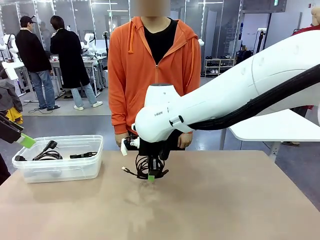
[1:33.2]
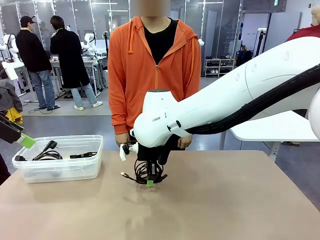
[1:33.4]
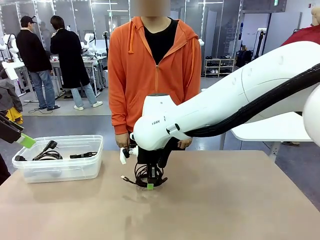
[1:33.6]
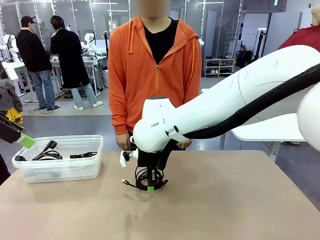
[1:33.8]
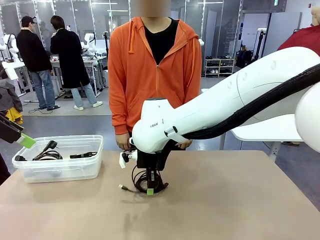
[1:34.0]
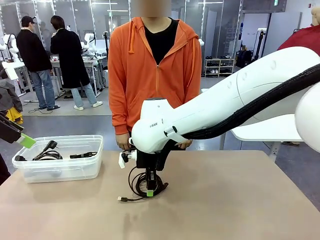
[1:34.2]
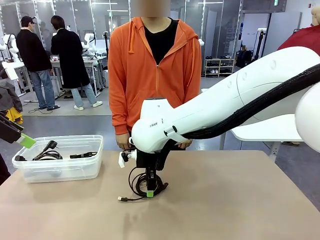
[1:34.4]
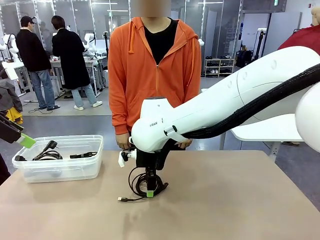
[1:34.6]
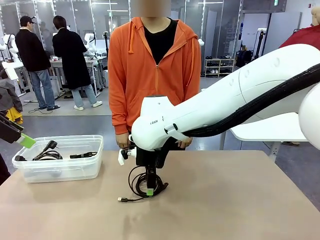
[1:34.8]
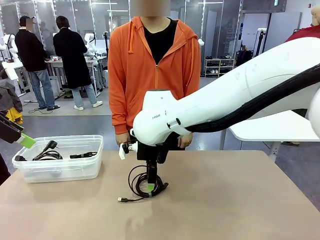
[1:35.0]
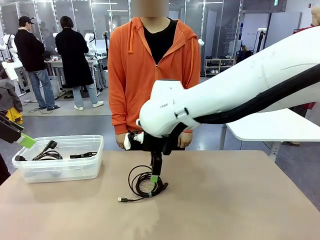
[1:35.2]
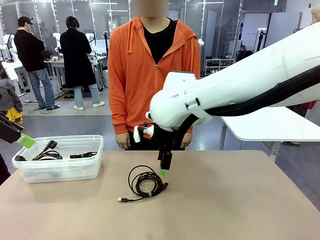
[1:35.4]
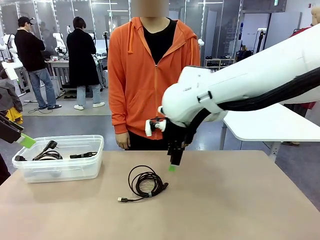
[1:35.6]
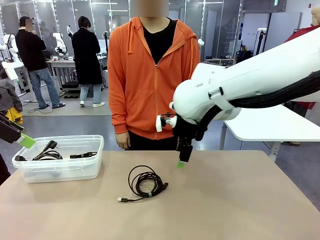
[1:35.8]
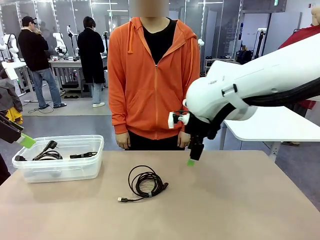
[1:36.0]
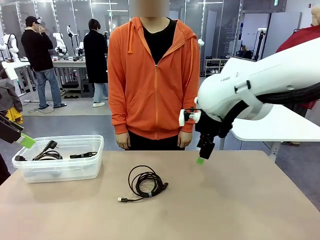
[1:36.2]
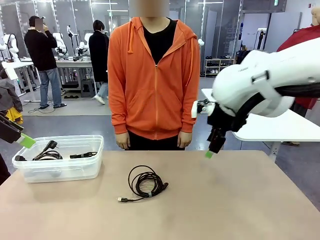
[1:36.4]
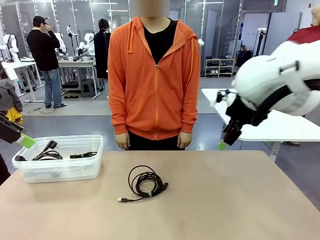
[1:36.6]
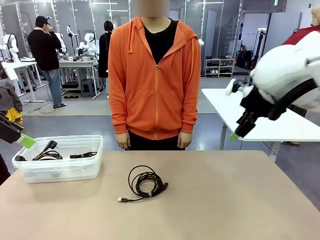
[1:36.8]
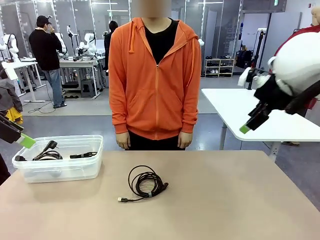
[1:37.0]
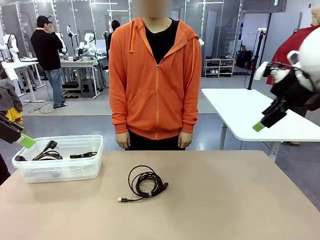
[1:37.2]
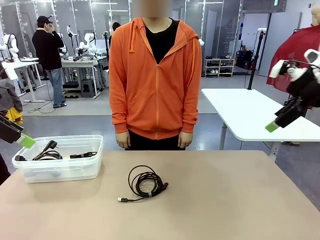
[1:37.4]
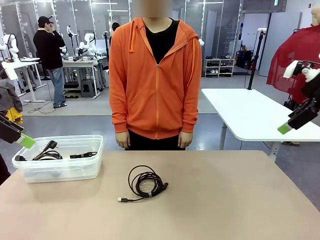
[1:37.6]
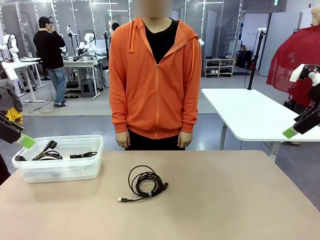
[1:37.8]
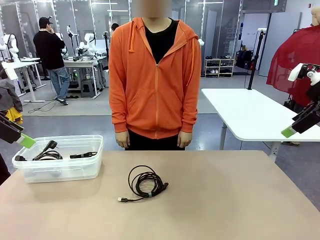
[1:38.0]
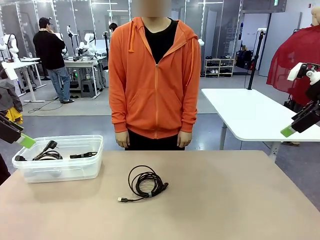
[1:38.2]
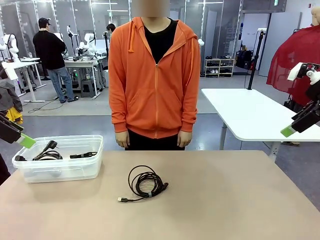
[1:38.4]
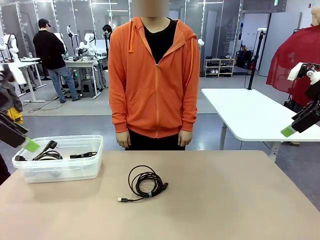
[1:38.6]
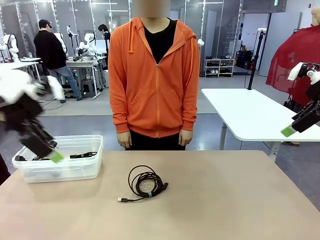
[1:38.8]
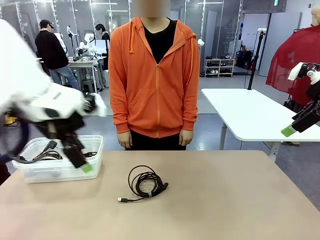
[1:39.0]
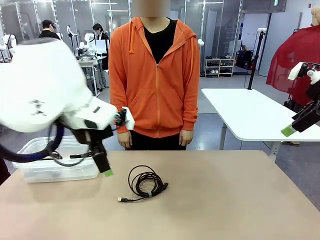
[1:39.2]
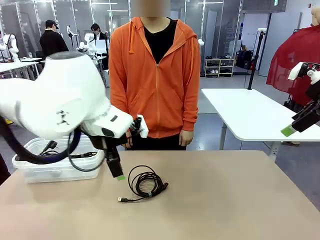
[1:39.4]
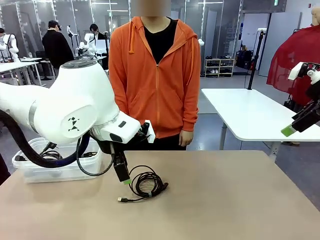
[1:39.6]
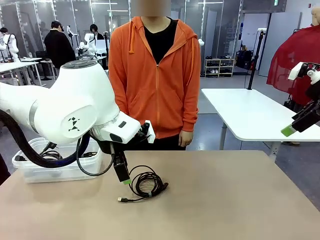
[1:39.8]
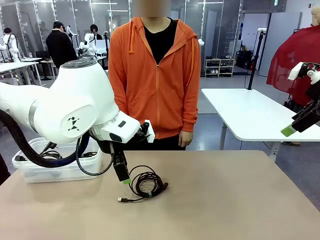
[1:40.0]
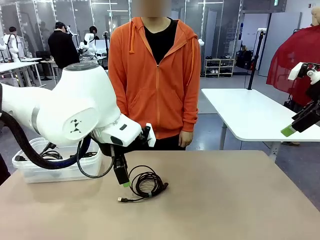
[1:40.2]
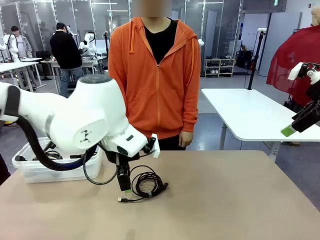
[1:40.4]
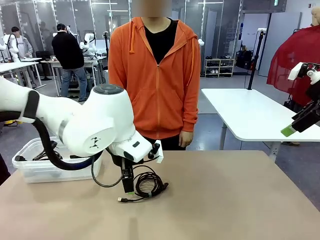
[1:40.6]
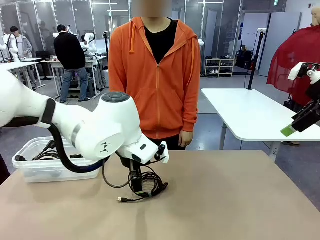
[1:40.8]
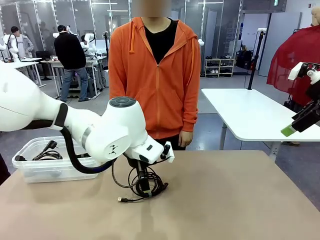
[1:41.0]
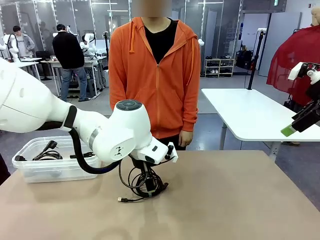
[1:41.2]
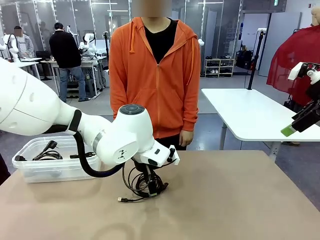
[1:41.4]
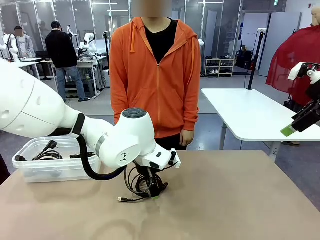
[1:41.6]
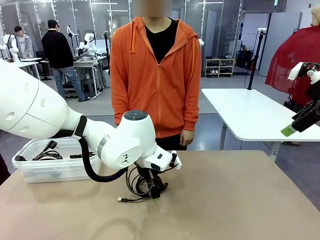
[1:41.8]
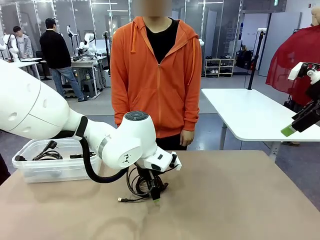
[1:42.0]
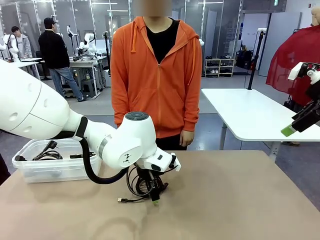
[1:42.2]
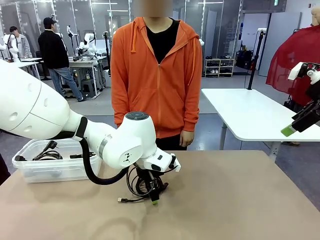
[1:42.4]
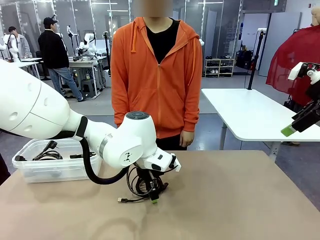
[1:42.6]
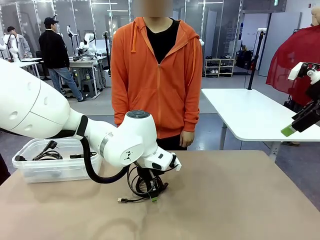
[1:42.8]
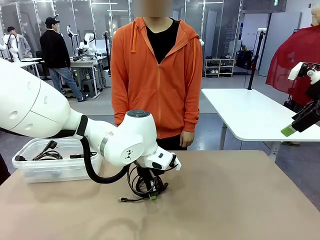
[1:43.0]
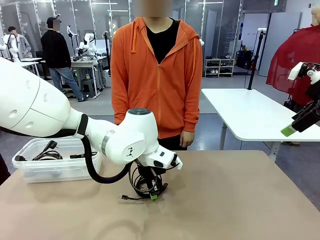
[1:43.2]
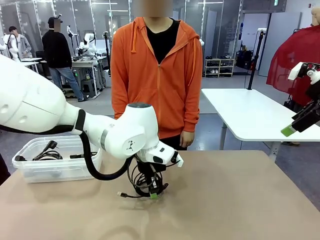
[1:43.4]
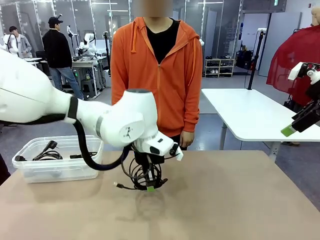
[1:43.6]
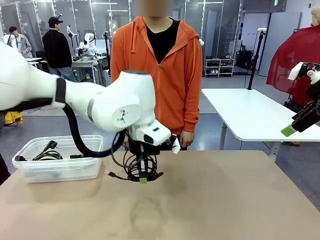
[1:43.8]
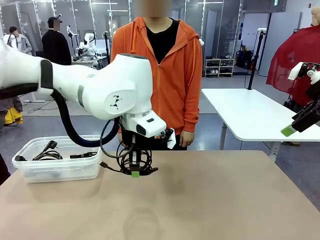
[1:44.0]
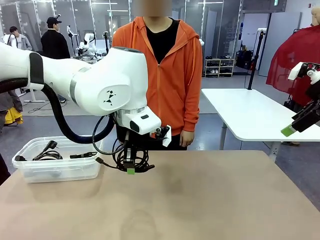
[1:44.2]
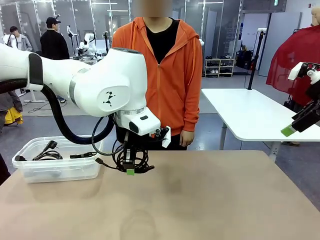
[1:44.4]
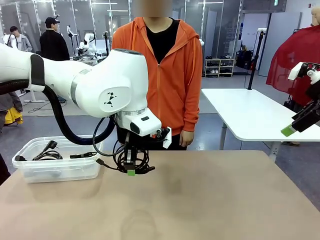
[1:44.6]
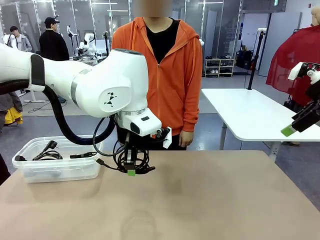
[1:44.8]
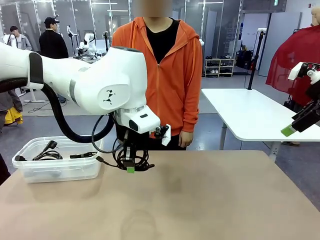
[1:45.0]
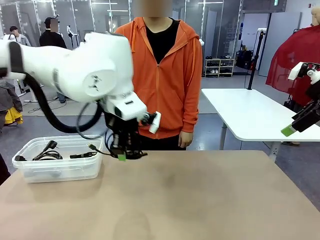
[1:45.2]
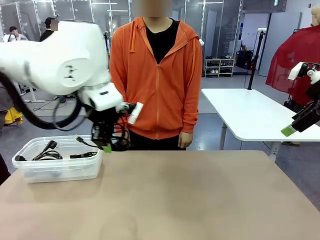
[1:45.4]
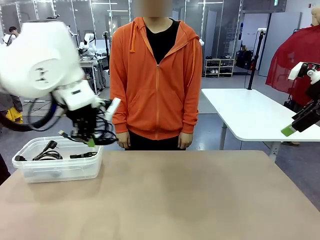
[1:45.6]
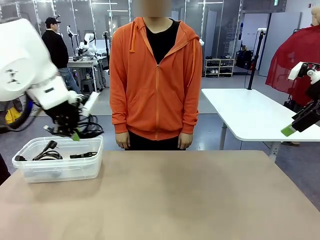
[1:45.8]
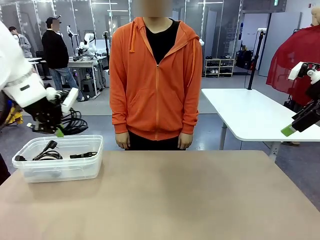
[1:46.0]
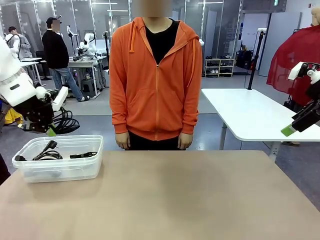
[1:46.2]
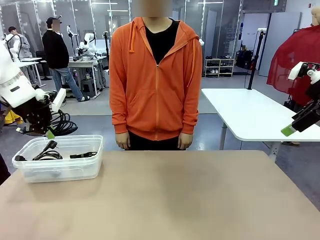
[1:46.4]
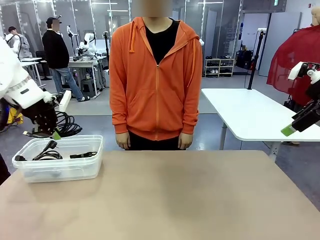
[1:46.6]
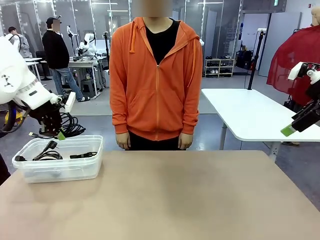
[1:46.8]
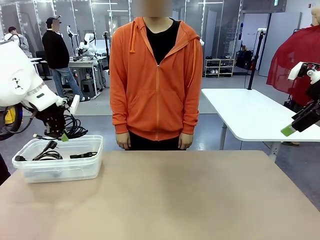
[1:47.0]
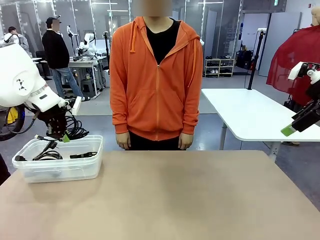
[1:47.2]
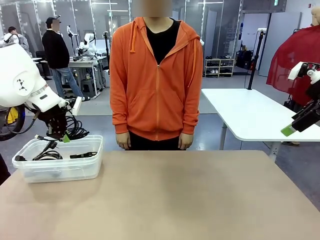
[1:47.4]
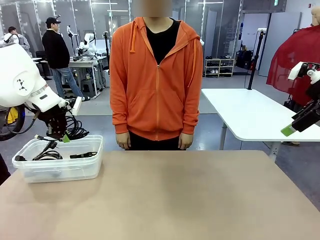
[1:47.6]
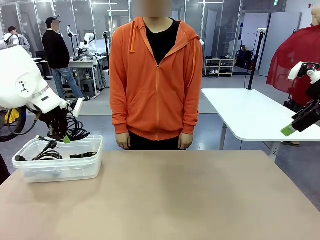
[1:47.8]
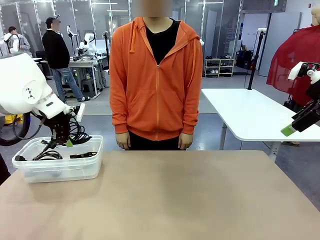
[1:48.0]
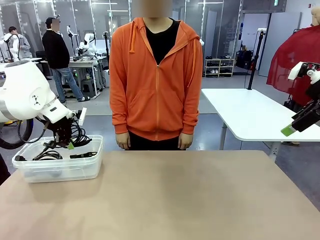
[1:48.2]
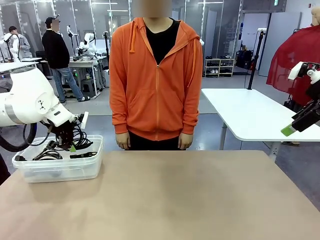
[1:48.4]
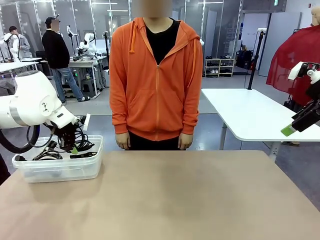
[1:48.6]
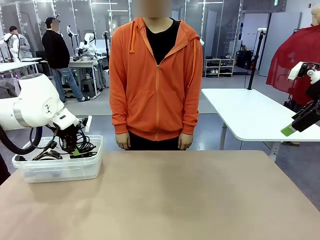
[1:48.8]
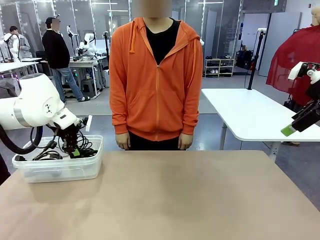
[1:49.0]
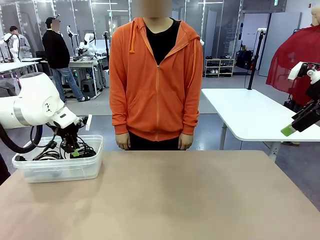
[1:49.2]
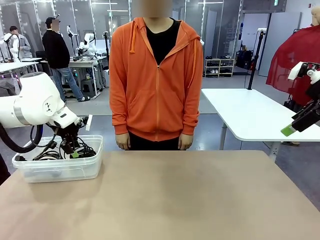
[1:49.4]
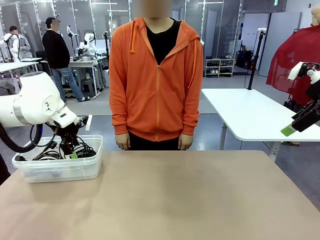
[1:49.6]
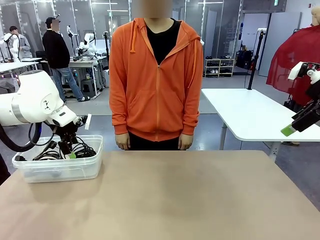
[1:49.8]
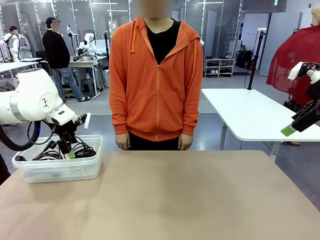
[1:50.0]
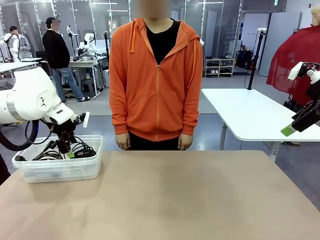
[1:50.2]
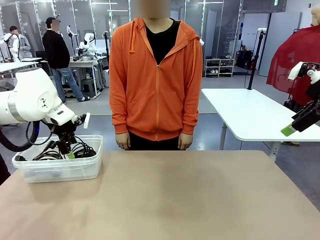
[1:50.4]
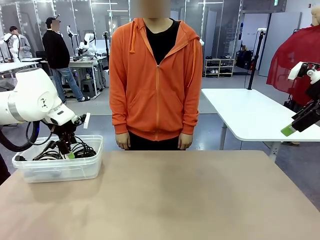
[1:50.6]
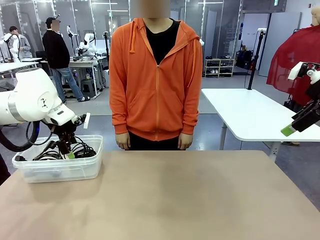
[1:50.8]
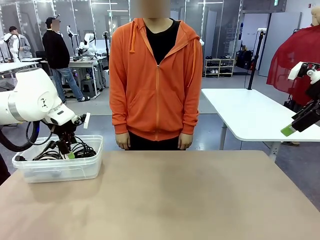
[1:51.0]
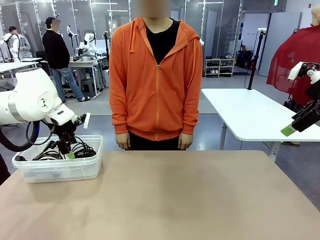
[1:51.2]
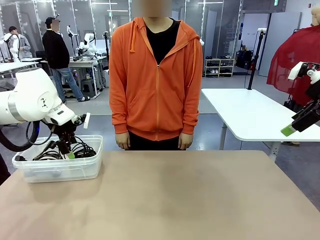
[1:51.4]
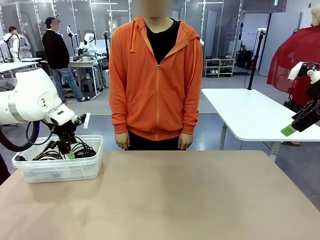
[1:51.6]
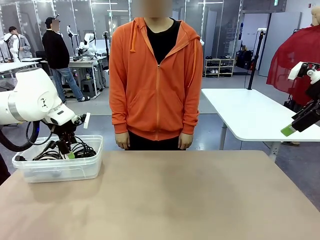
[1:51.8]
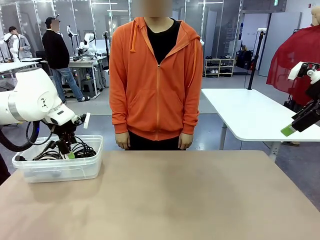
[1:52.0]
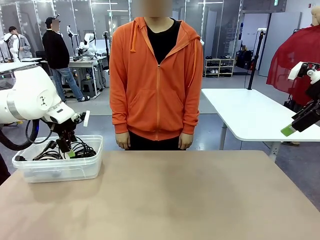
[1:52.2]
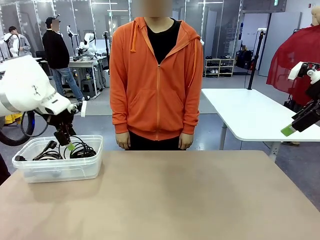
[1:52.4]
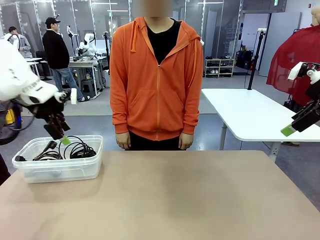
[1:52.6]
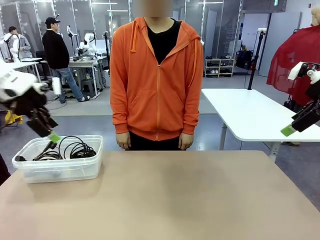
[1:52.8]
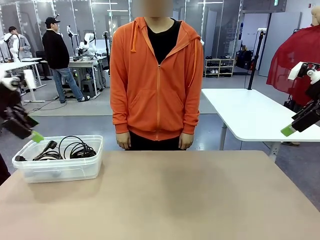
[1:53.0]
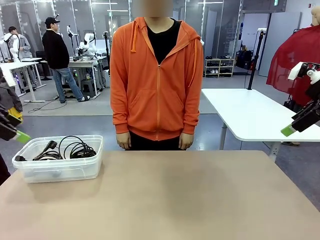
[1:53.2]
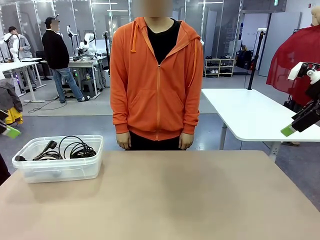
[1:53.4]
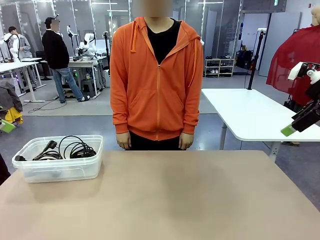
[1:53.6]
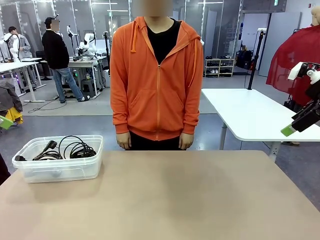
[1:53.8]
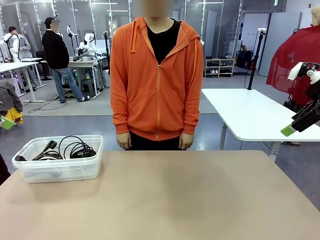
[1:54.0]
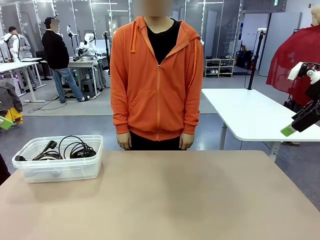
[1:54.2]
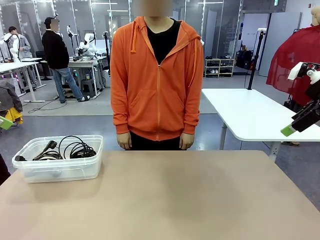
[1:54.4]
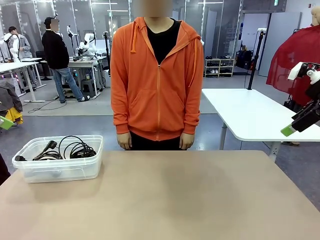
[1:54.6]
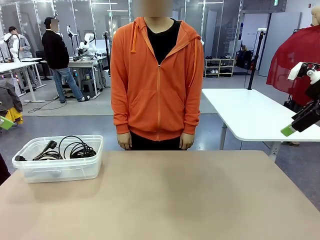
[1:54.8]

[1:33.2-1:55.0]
Task: Organize and store the cables.
Robot: Place the USB Extension Cable into the Organizing box.
